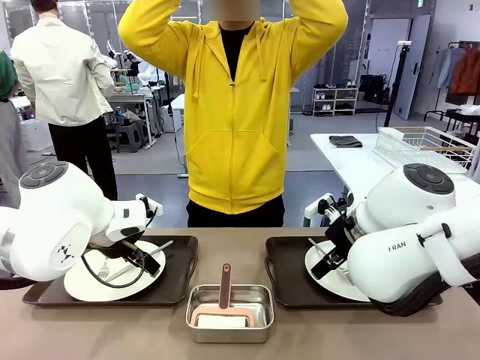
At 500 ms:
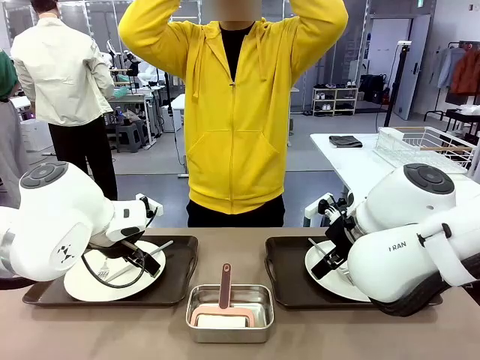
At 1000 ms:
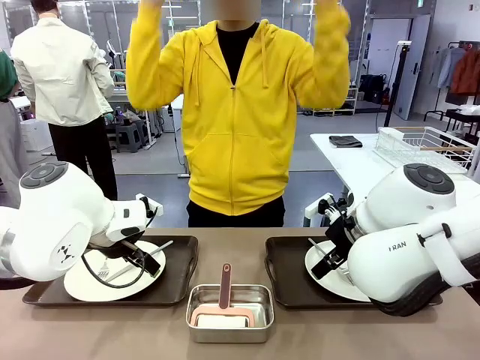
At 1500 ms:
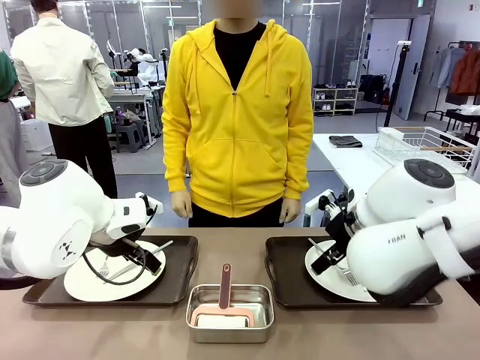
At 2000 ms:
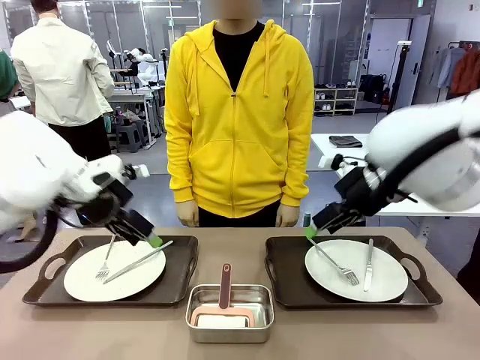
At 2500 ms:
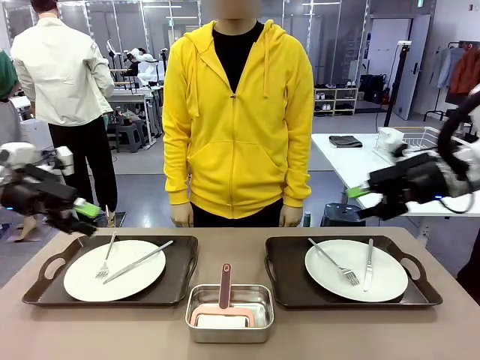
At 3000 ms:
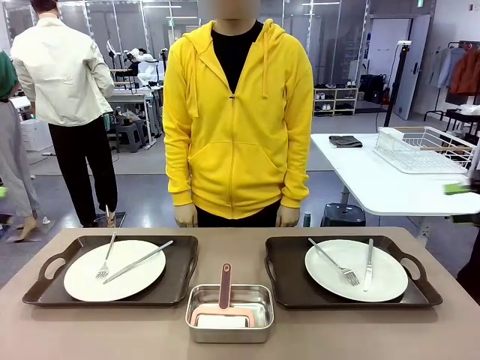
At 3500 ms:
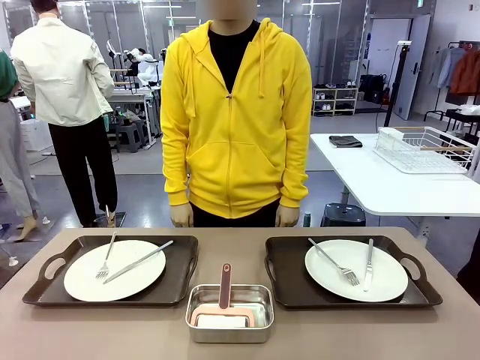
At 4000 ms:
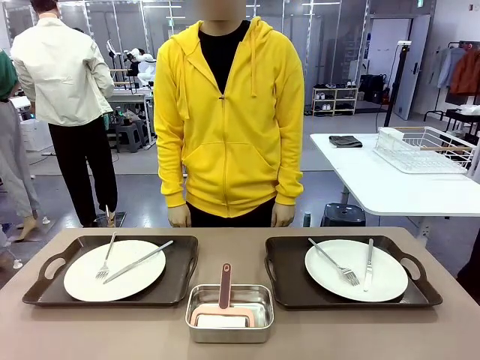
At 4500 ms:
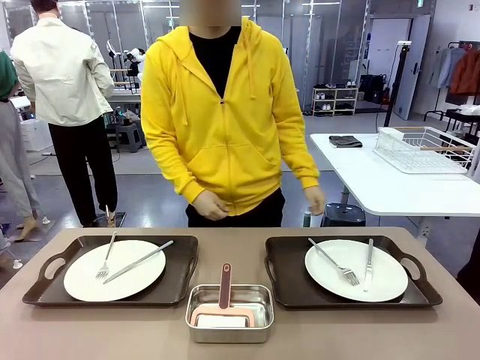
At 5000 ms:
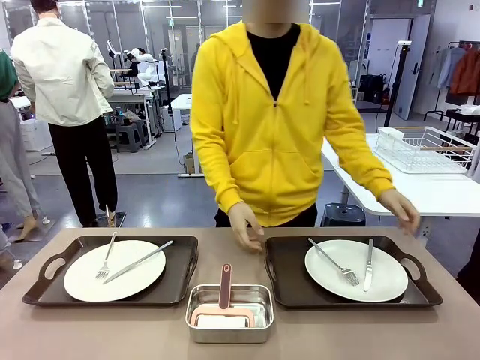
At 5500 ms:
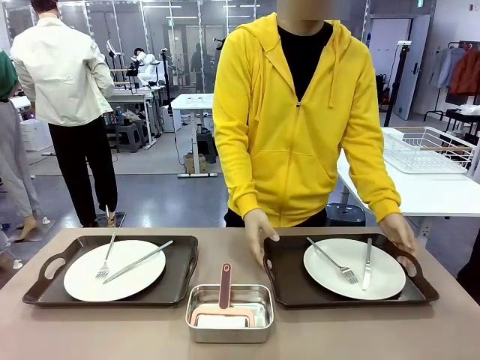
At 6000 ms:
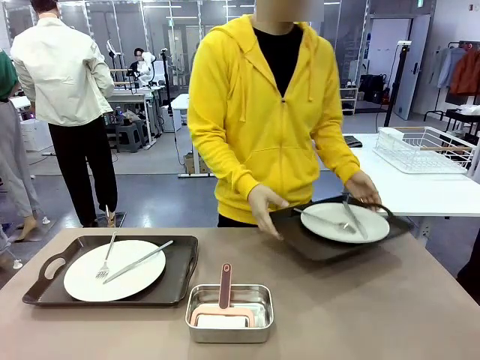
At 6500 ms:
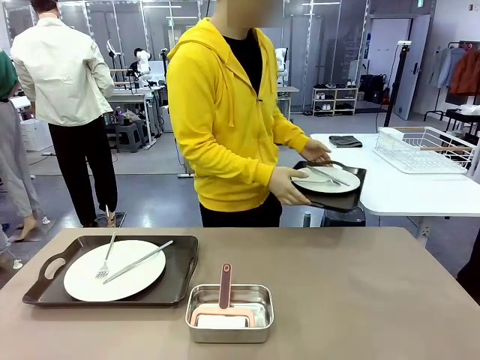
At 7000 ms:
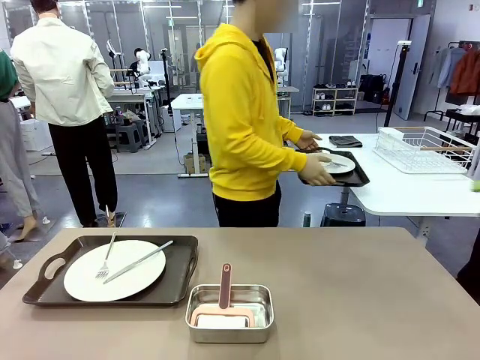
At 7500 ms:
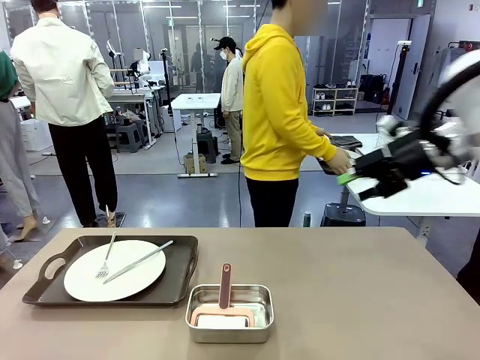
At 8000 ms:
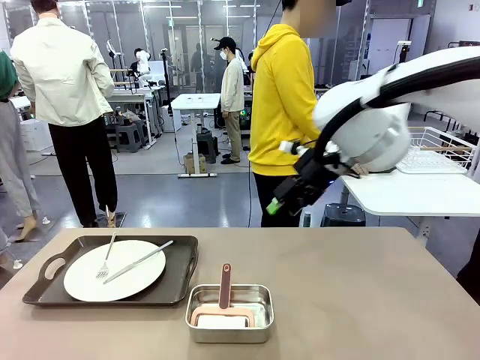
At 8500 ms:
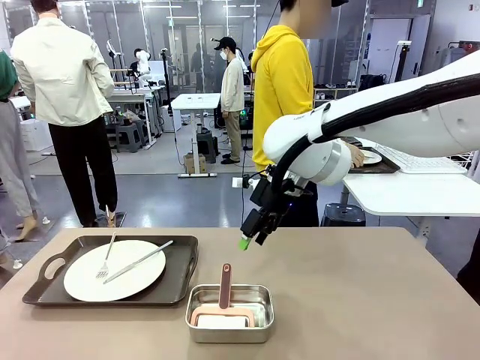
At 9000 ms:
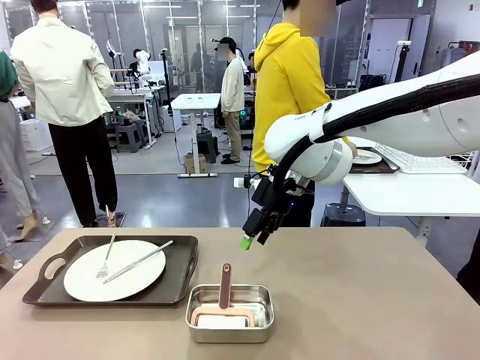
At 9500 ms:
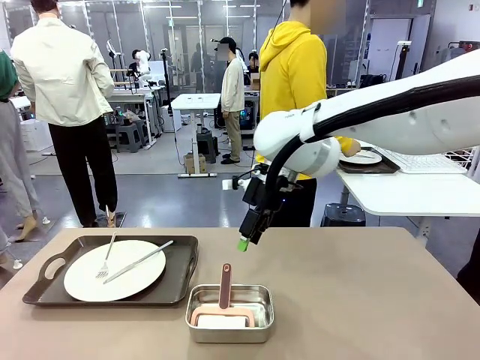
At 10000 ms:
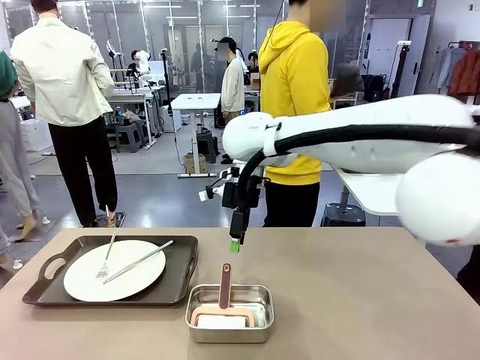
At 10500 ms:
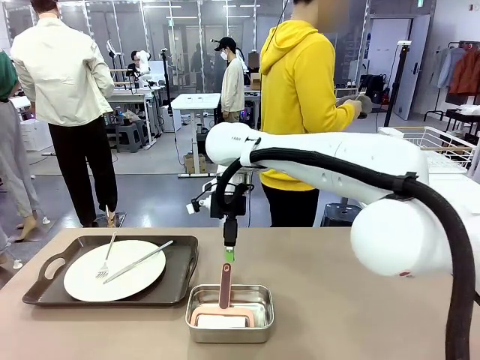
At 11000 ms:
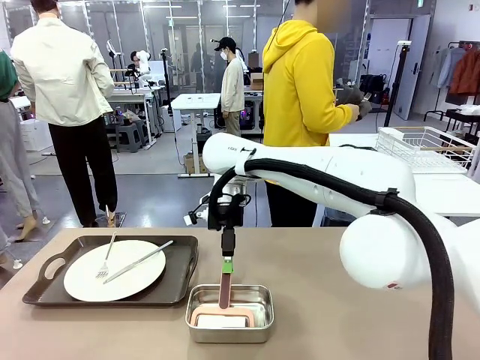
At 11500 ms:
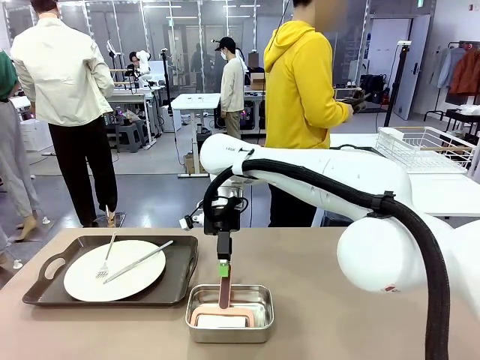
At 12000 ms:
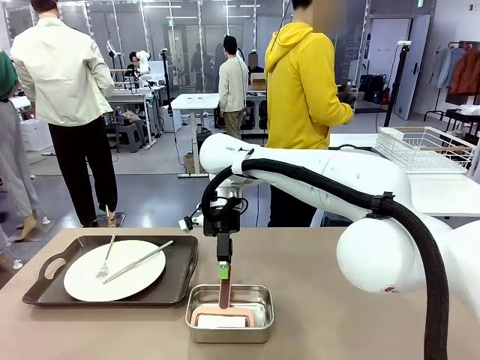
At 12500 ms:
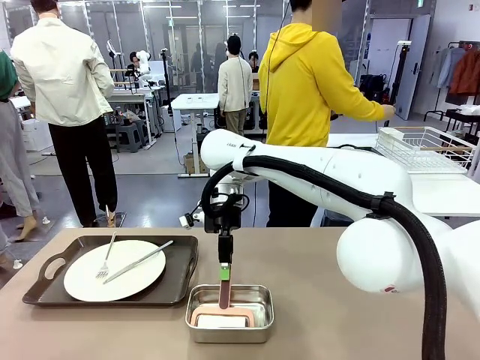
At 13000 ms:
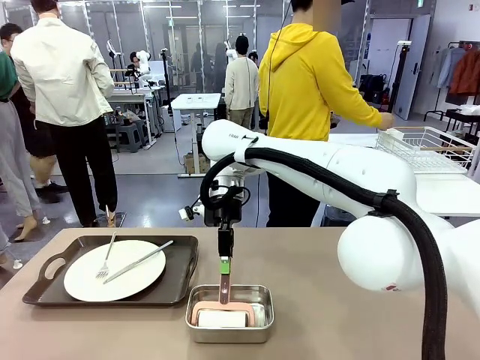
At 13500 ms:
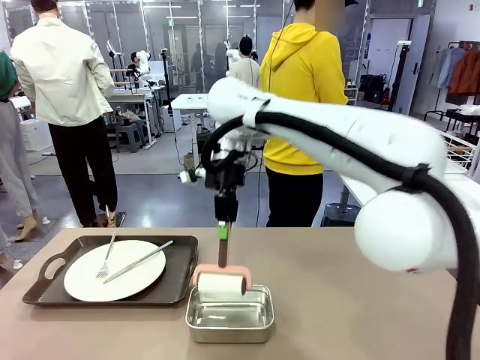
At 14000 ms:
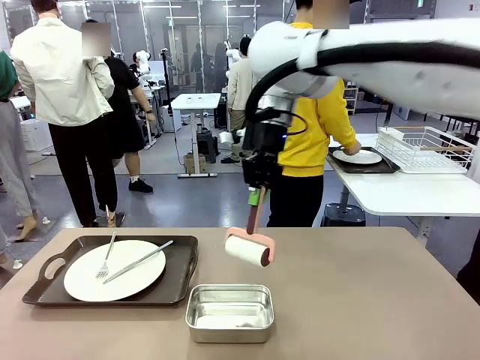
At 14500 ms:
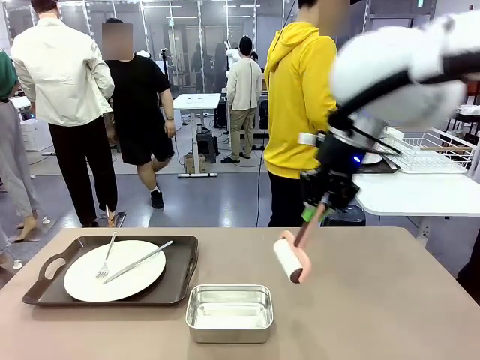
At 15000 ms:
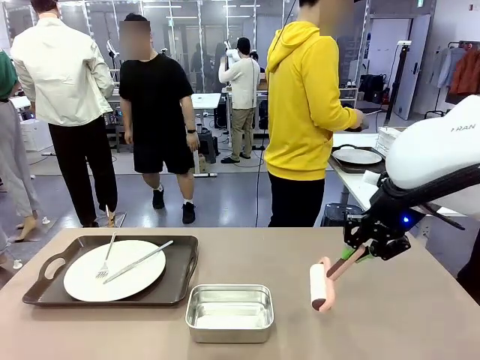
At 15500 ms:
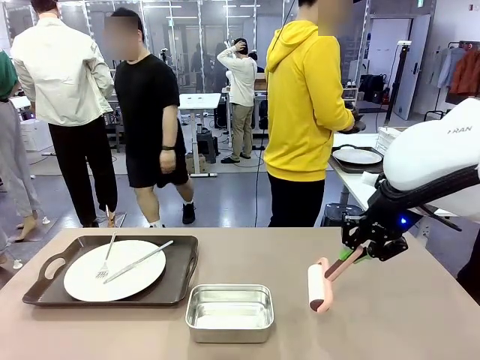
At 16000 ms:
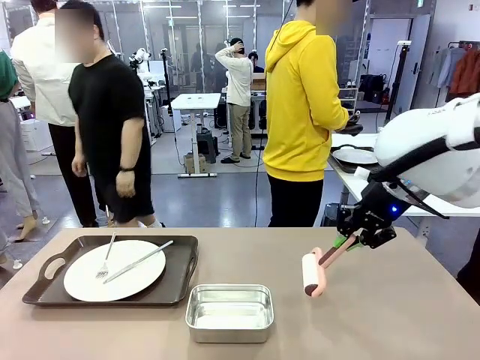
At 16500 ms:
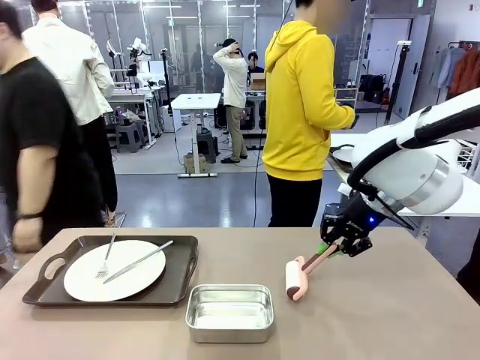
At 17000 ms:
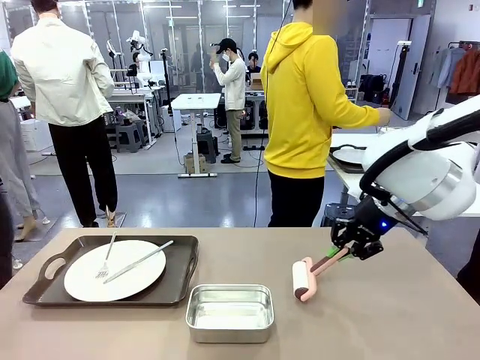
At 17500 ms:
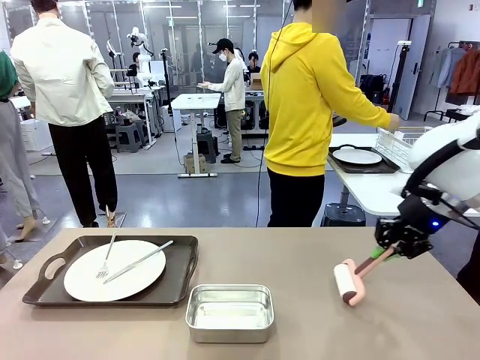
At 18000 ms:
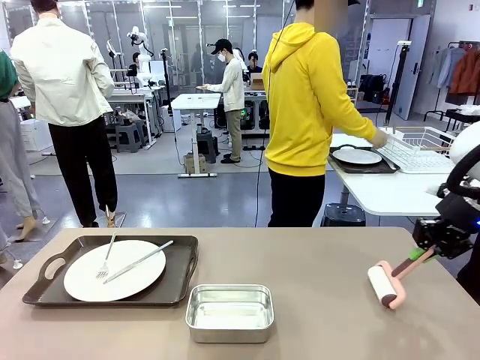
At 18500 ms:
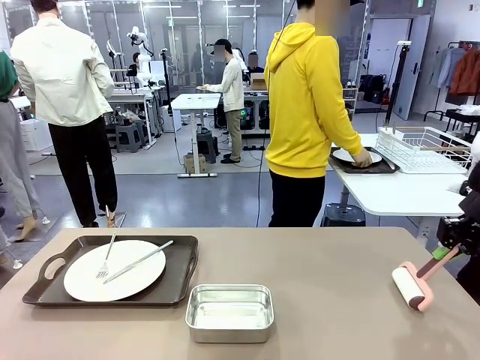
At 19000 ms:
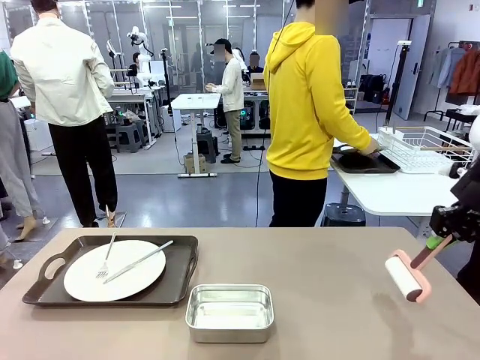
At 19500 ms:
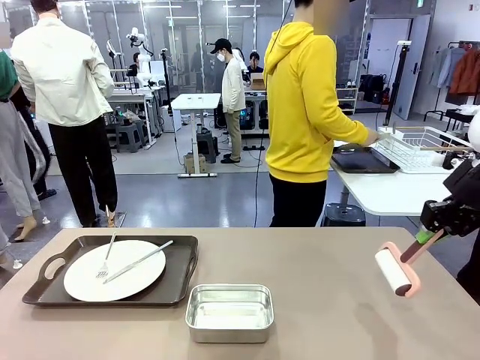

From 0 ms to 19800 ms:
Robot: When the left (or right) Handle tray is removed, use the left hand (or right hand) to clean the left (or right) side of the table with the Lint Roller.
Person: Pick up the left (or right) Handle tray and place it on the middle of the Human's table. Use the Towel with hook to wipe the Plastic Matte Plate , Fork , and Knife and place into the Dish drying rack.

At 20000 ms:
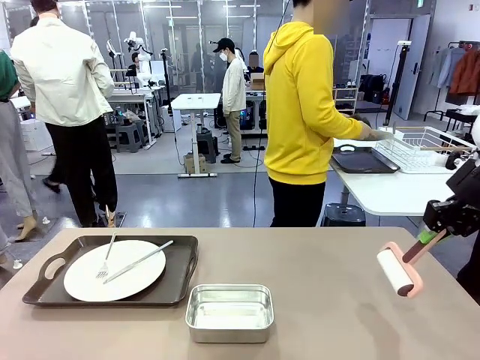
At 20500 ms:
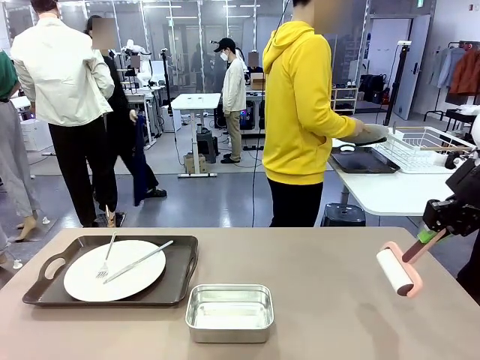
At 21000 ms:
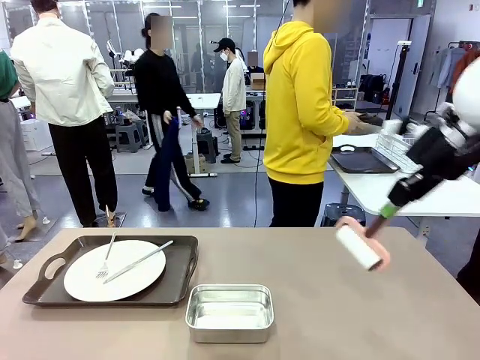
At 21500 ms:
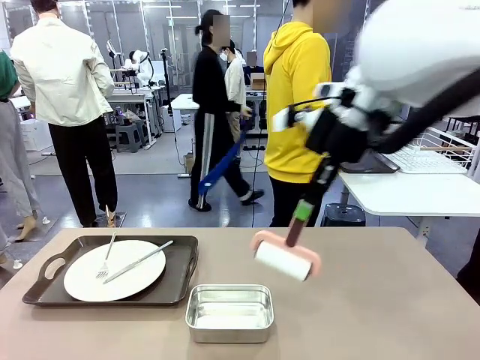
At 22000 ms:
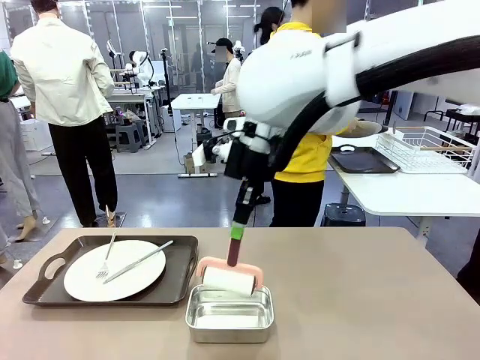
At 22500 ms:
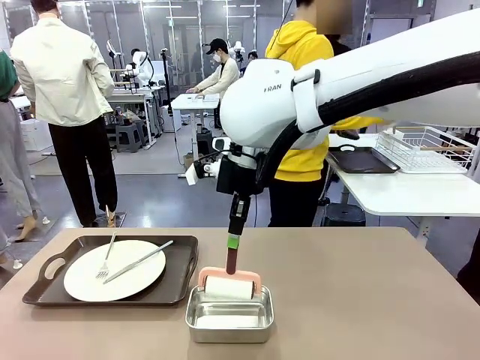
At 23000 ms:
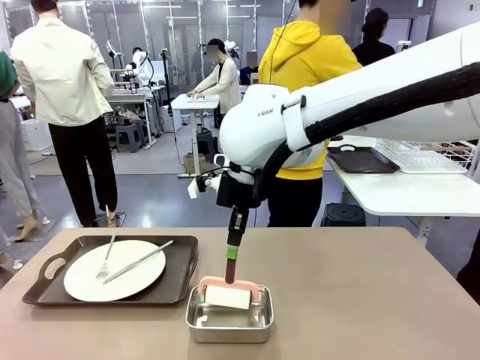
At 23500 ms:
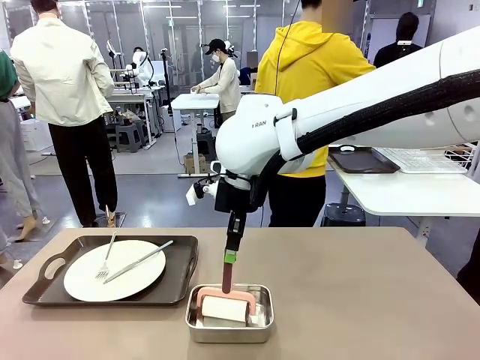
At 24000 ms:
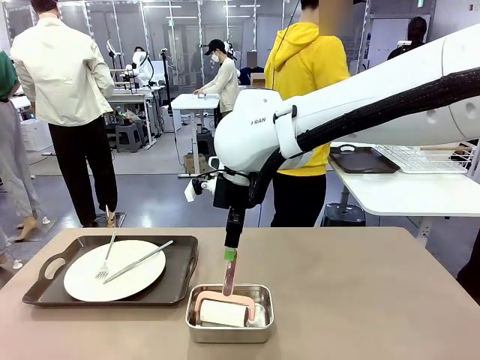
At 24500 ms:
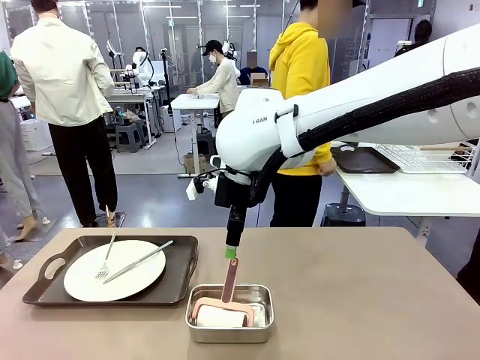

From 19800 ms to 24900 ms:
Robot: Place the Lint Roller back on top of the Airtight Container.
